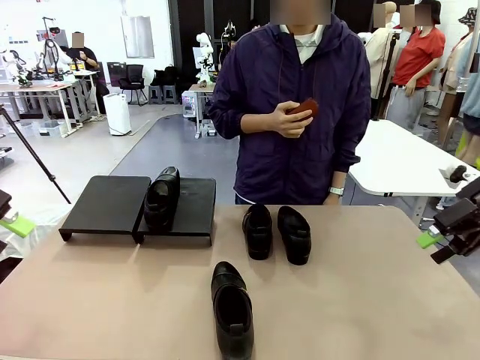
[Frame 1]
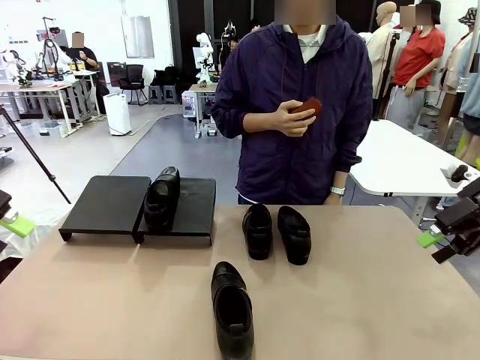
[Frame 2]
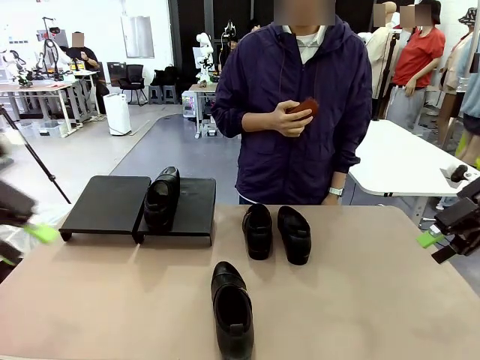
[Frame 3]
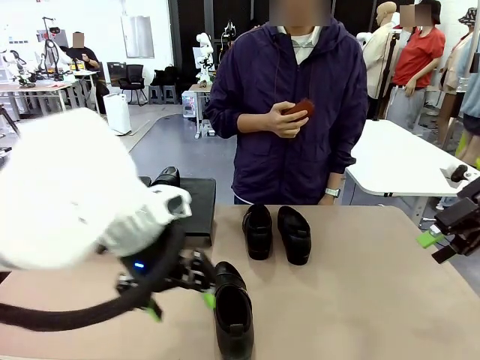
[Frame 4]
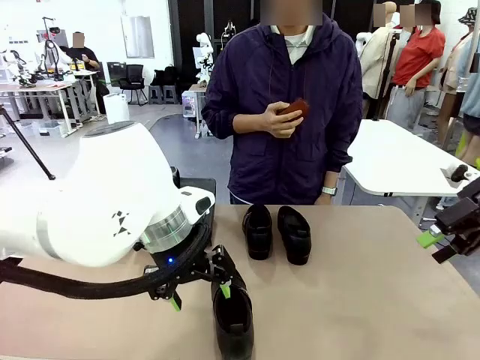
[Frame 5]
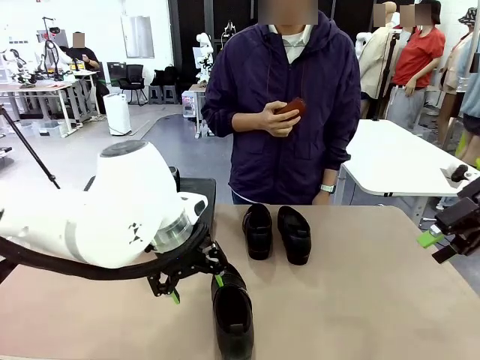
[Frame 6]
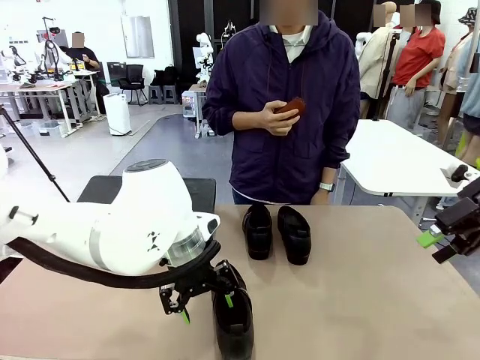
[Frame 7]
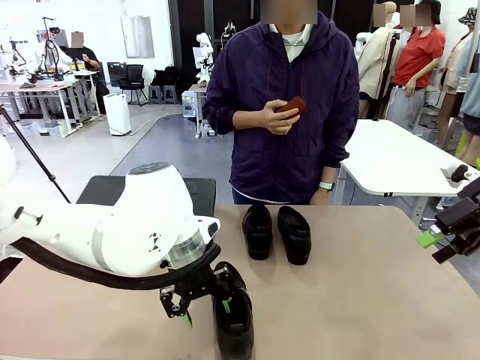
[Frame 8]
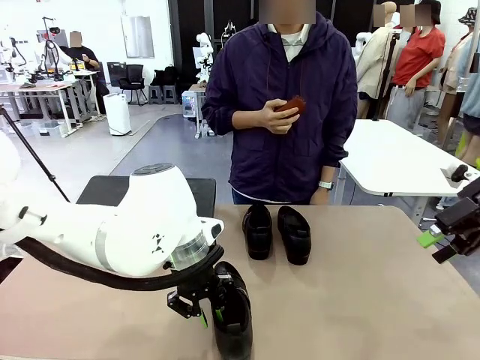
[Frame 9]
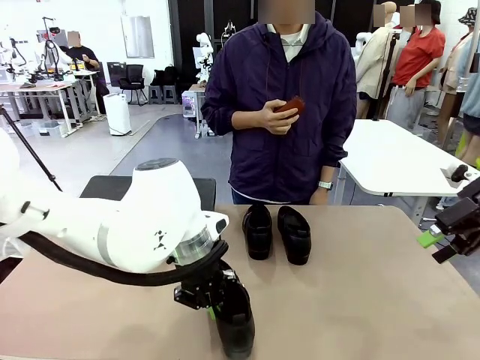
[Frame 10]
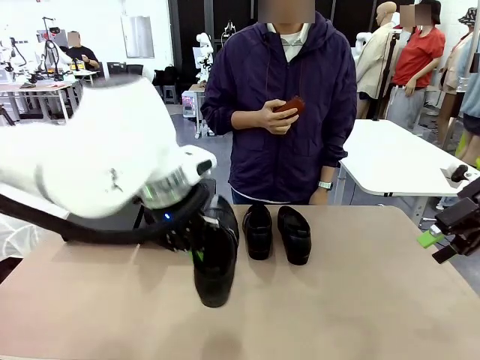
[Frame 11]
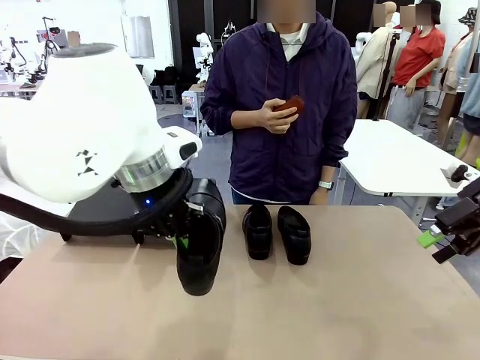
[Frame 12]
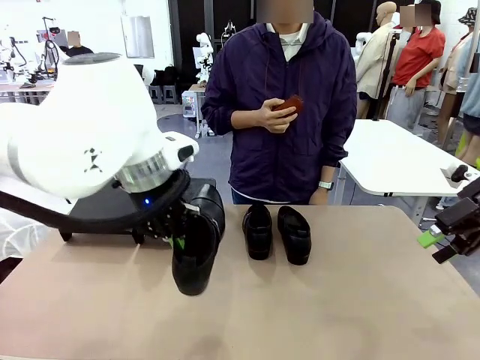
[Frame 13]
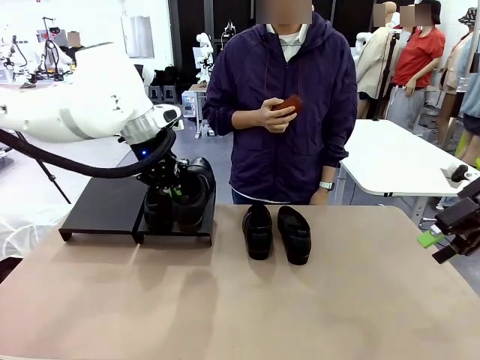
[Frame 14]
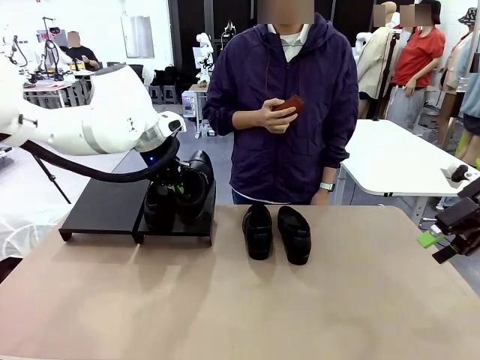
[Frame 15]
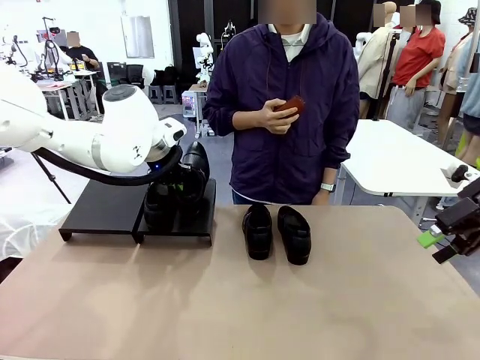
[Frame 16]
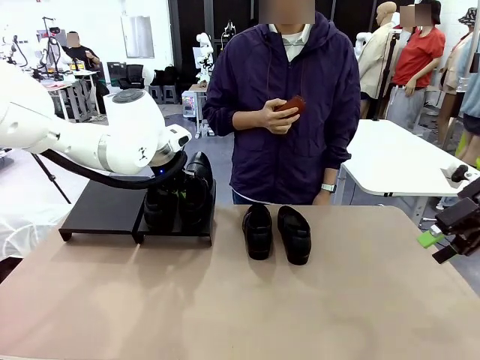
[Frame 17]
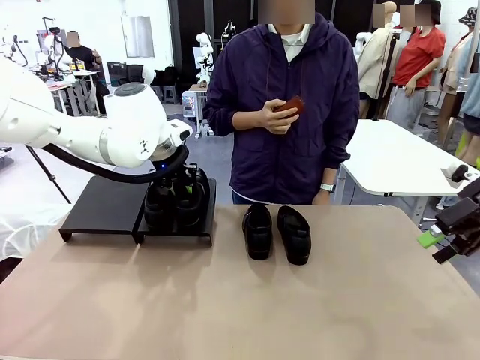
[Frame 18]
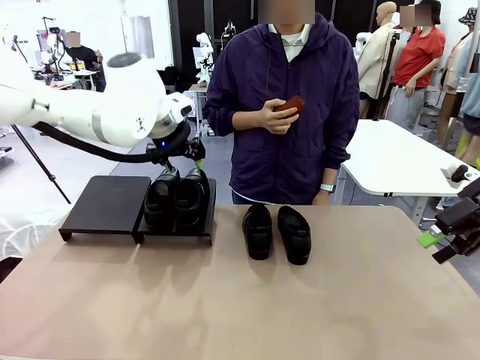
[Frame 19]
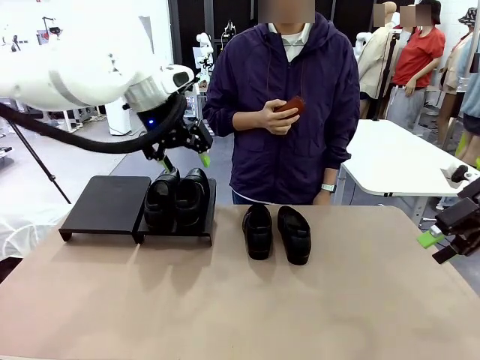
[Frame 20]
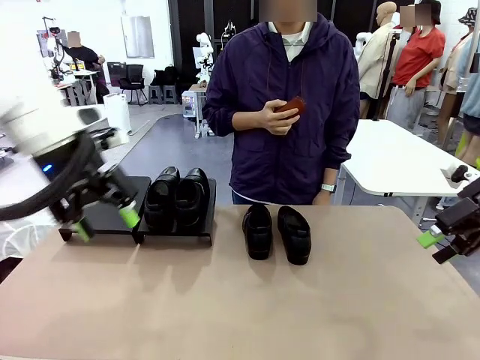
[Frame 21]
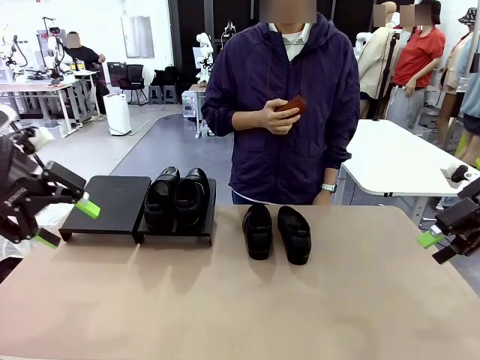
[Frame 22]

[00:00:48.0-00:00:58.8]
Task: Organize the shoes by placing them on the stand.
Robot: Place the Shoe from the middle of the table onto the Shoes Stand.

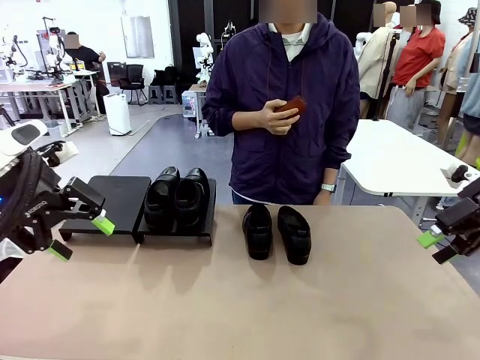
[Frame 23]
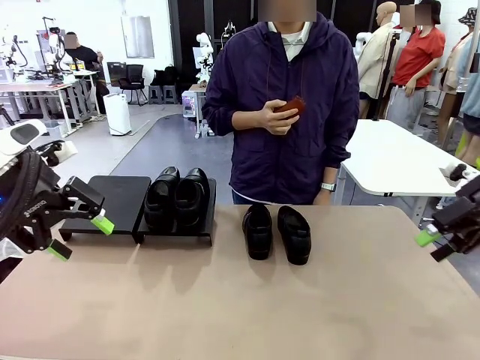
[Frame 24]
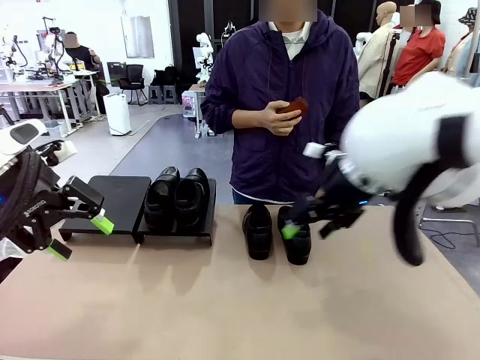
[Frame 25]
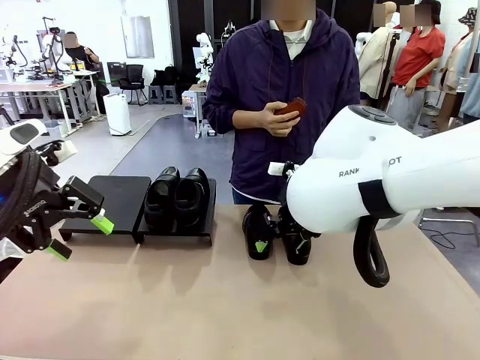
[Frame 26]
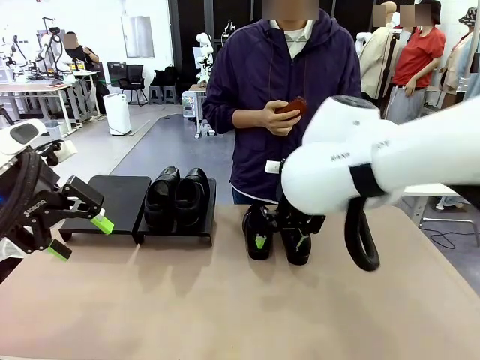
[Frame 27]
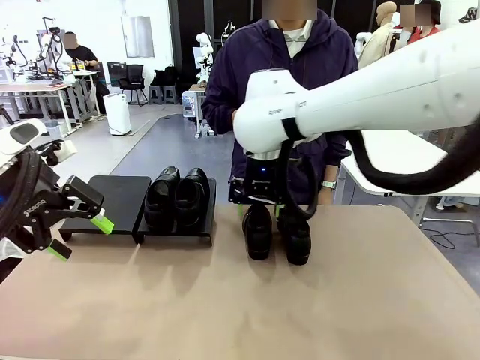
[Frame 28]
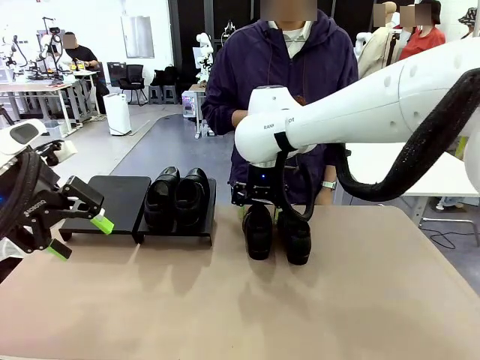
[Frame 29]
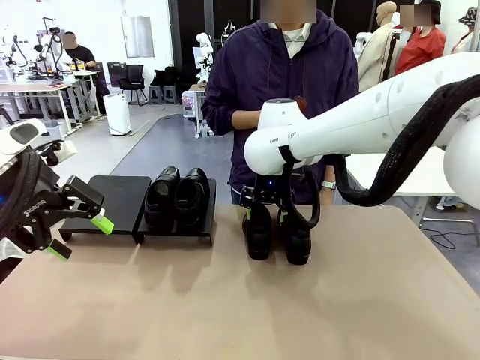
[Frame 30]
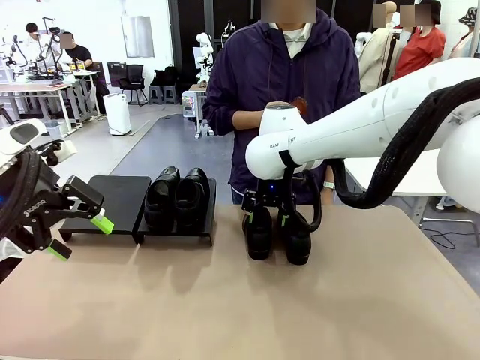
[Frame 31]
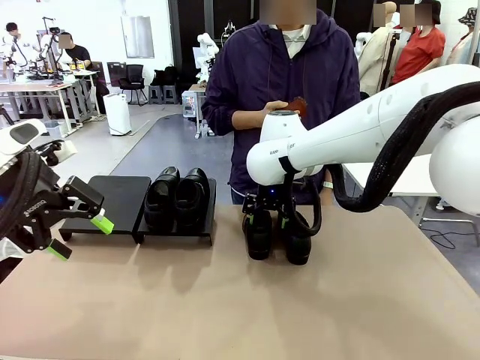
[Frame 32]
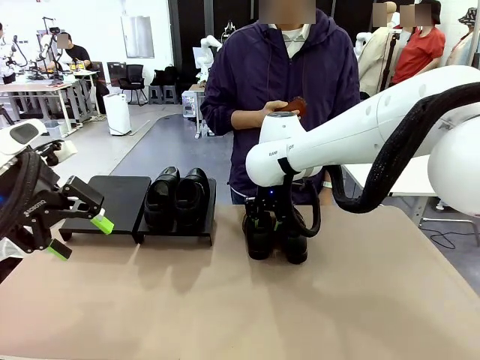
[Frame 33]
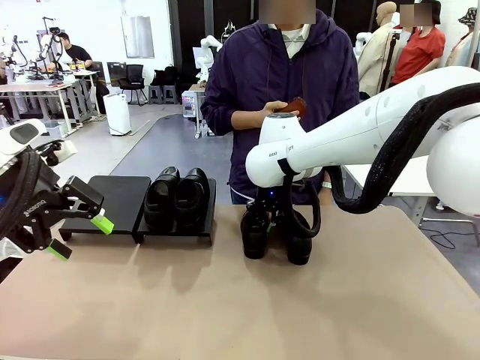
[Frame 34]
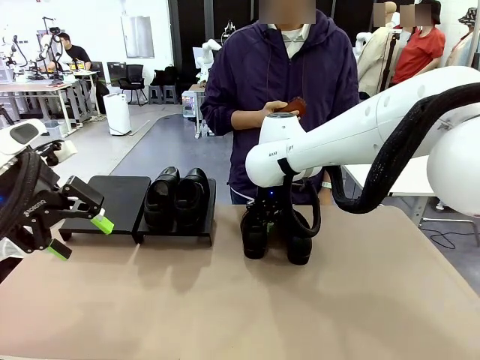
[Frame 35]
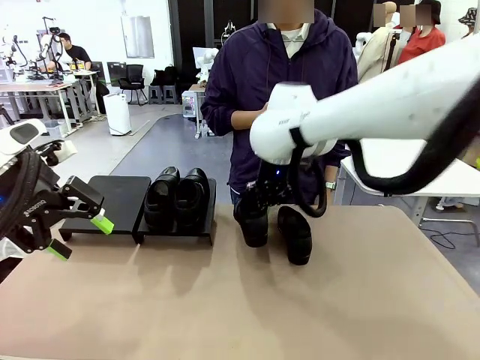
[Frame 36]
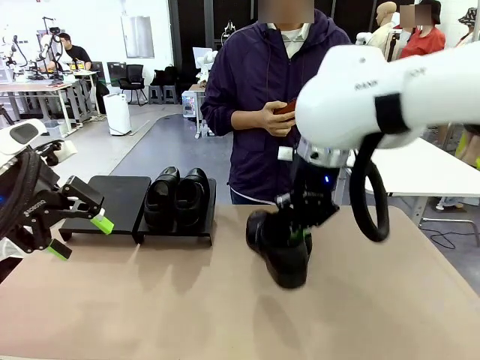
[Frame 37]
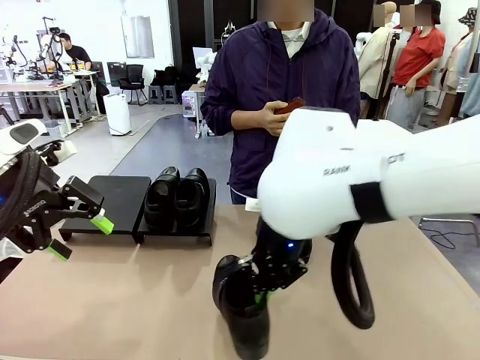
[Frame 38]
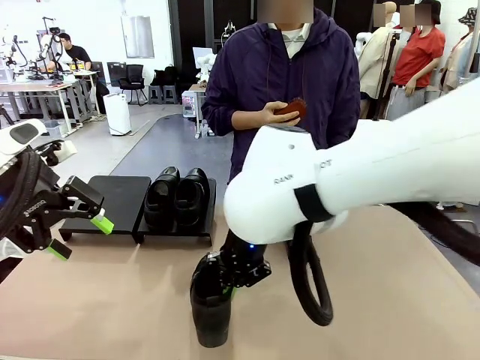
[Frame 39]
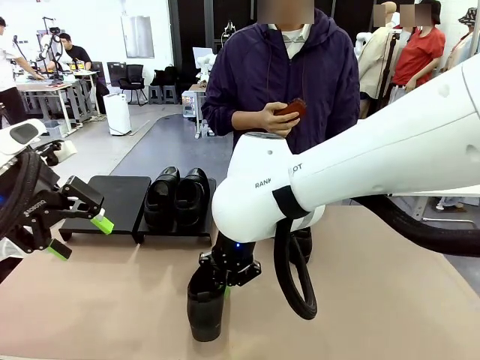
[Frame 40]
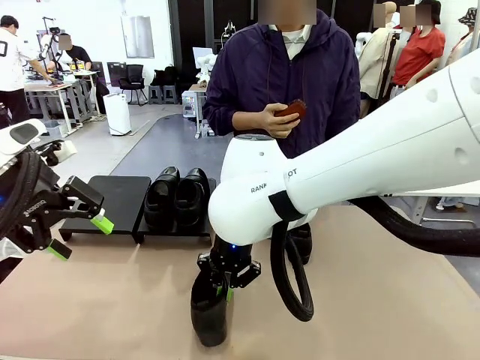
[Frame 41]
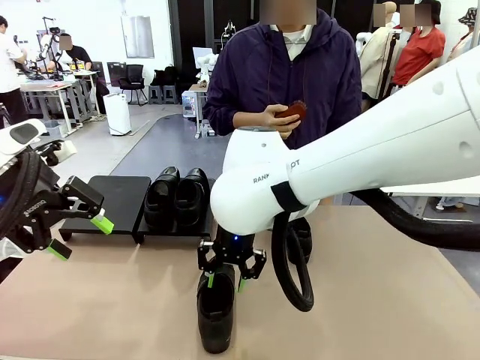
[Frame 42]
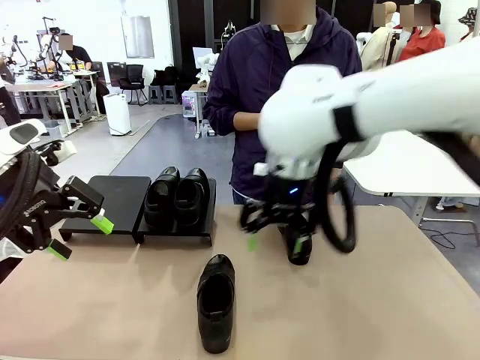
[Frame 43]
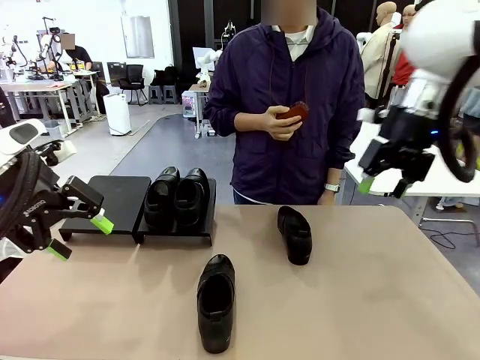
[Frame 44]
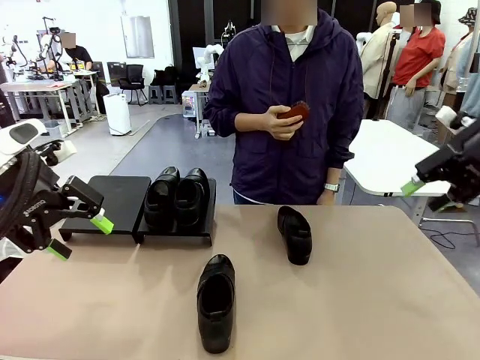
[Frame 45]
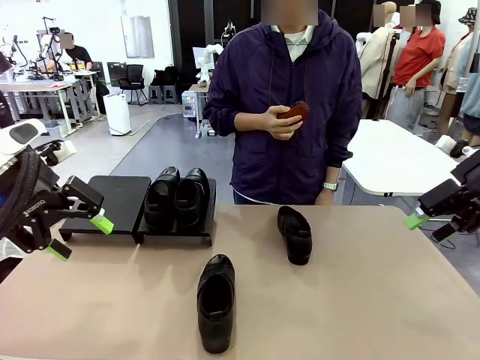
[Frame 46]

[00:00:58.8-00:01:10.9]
Robot: Pick up one Shoe and place it in the middle of the table.
